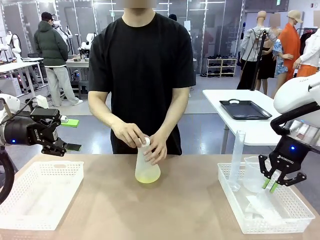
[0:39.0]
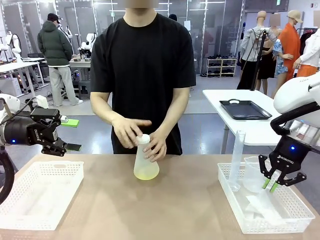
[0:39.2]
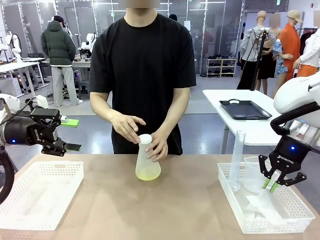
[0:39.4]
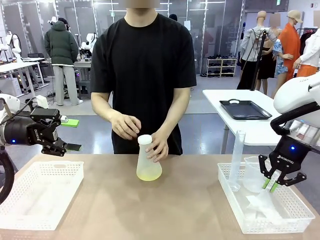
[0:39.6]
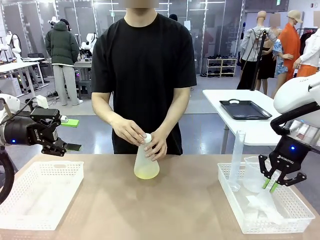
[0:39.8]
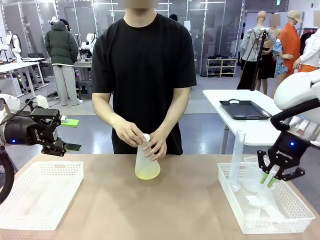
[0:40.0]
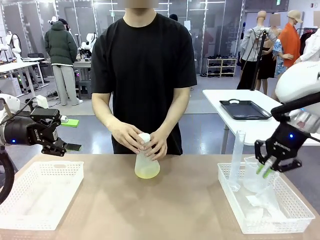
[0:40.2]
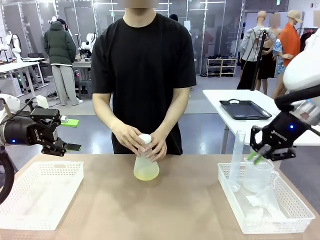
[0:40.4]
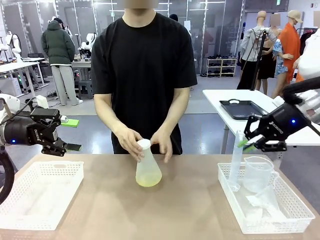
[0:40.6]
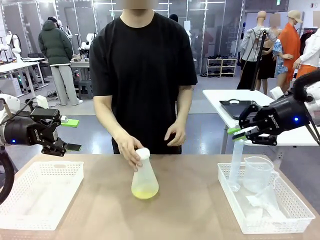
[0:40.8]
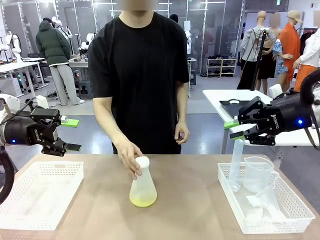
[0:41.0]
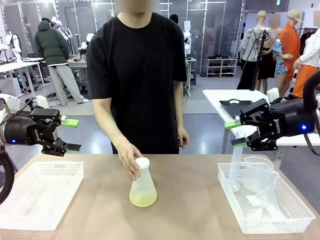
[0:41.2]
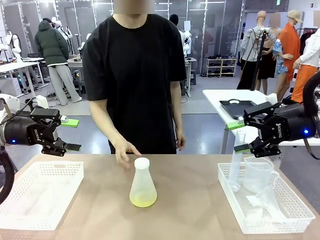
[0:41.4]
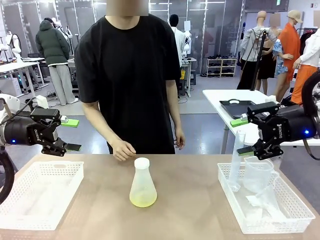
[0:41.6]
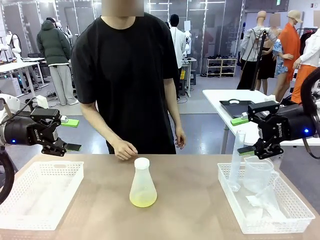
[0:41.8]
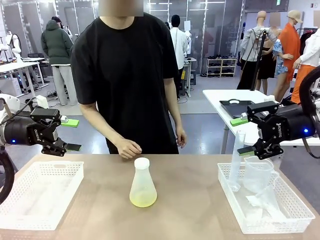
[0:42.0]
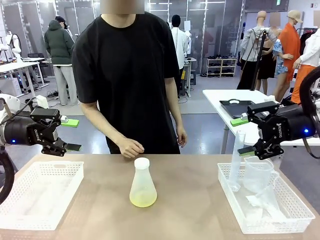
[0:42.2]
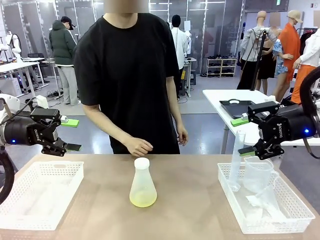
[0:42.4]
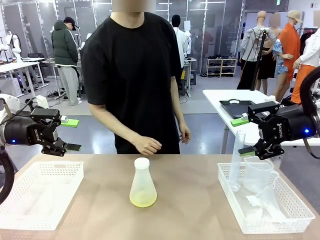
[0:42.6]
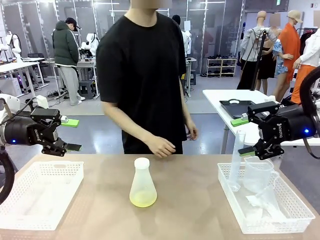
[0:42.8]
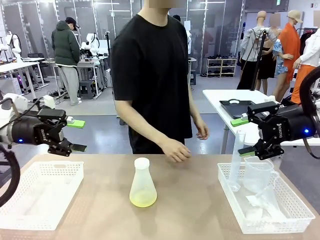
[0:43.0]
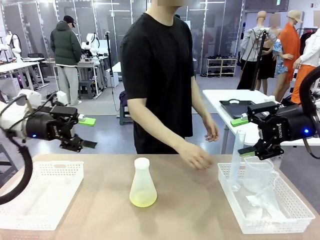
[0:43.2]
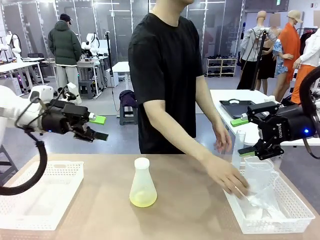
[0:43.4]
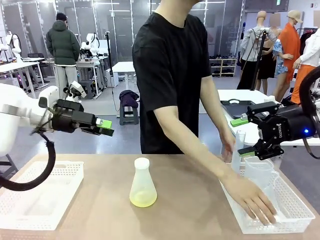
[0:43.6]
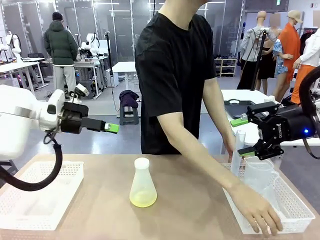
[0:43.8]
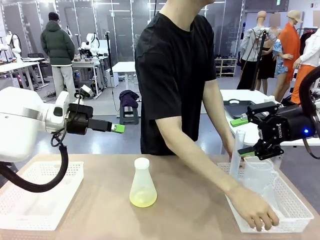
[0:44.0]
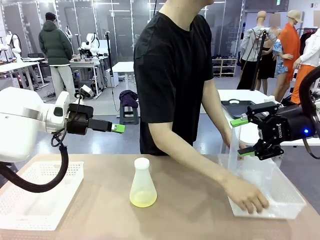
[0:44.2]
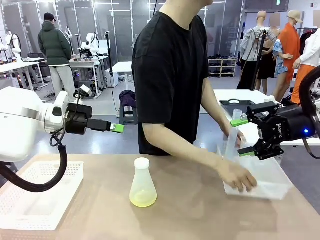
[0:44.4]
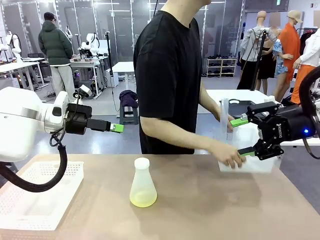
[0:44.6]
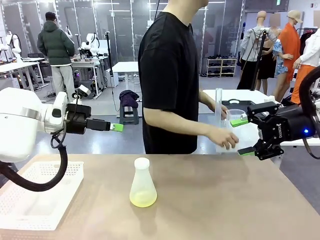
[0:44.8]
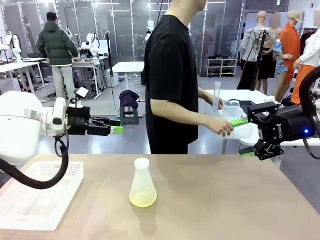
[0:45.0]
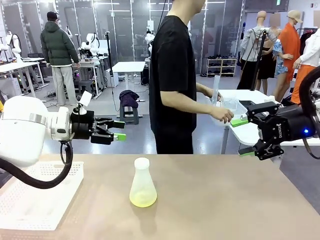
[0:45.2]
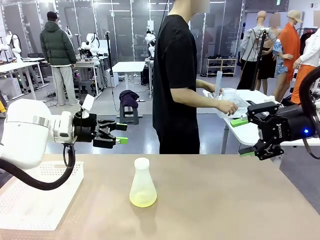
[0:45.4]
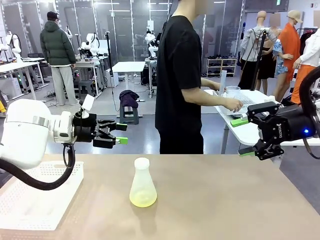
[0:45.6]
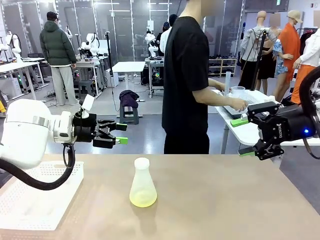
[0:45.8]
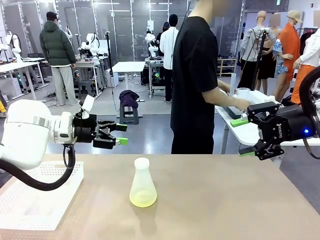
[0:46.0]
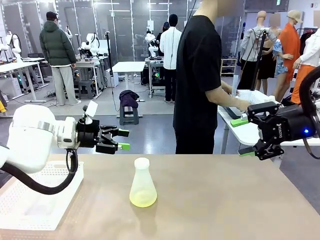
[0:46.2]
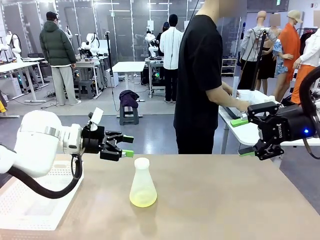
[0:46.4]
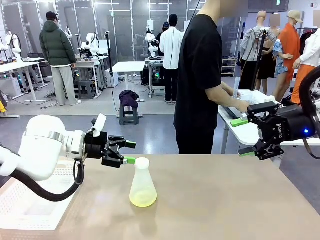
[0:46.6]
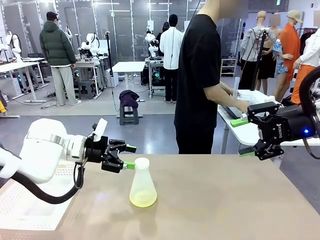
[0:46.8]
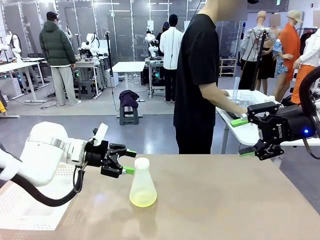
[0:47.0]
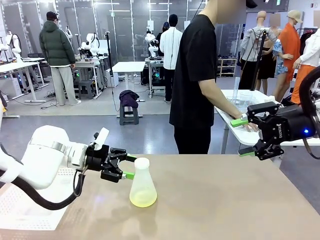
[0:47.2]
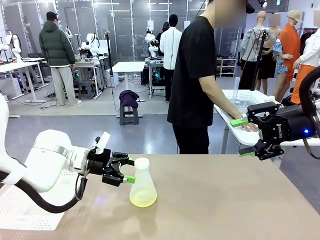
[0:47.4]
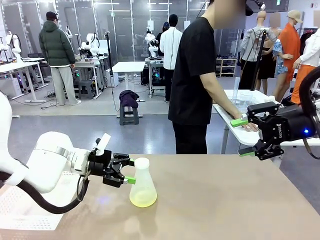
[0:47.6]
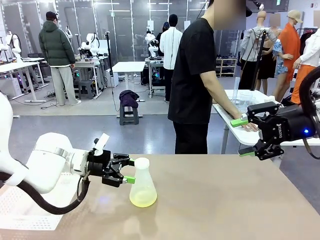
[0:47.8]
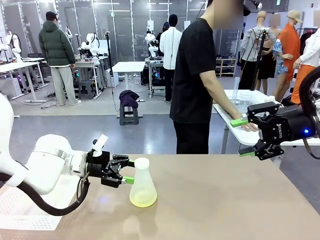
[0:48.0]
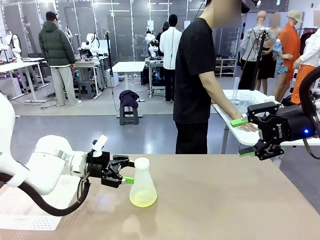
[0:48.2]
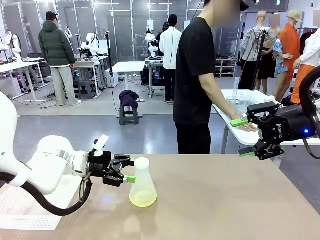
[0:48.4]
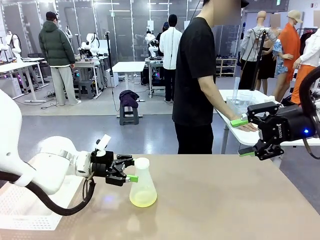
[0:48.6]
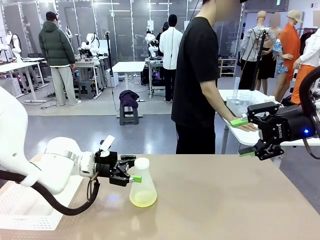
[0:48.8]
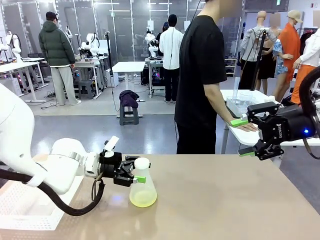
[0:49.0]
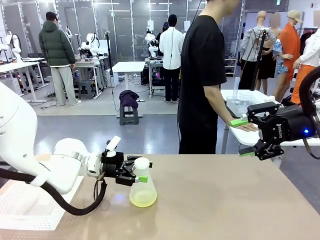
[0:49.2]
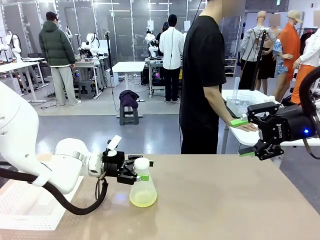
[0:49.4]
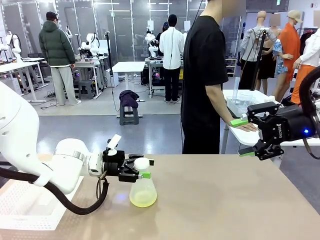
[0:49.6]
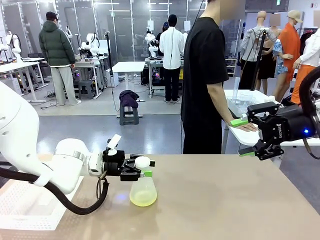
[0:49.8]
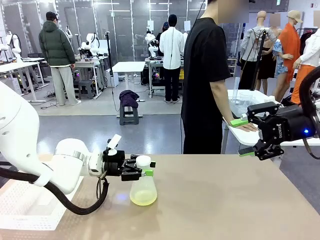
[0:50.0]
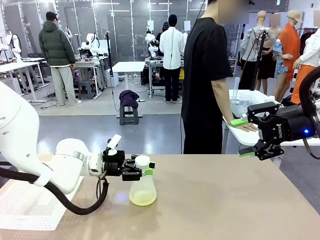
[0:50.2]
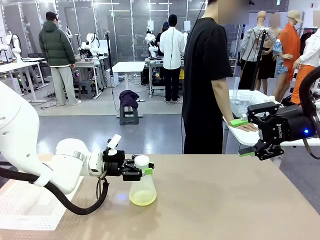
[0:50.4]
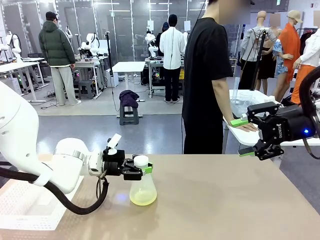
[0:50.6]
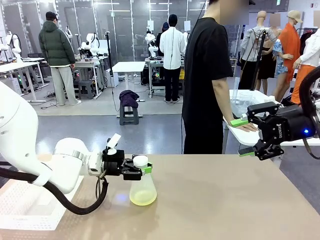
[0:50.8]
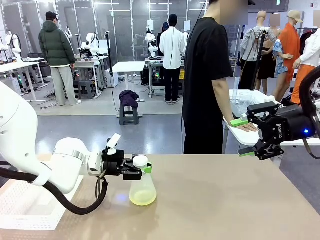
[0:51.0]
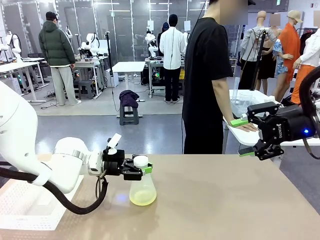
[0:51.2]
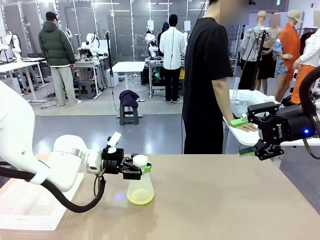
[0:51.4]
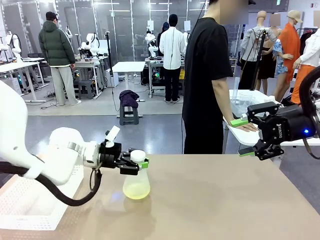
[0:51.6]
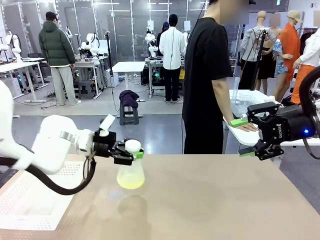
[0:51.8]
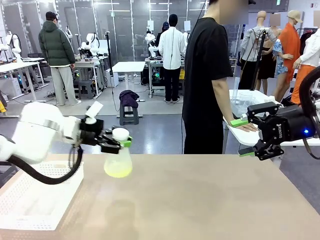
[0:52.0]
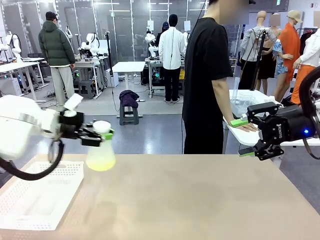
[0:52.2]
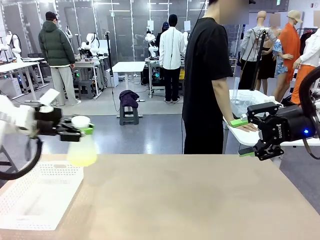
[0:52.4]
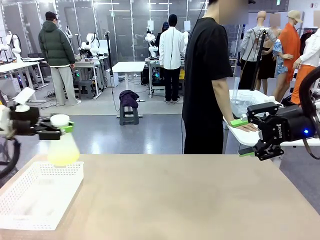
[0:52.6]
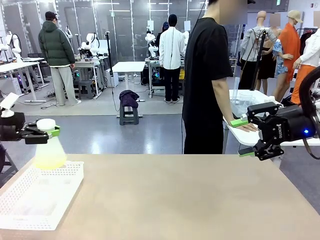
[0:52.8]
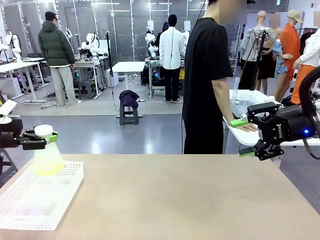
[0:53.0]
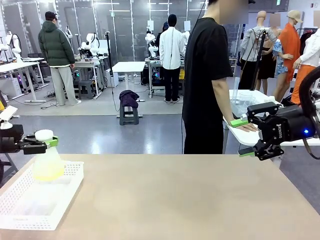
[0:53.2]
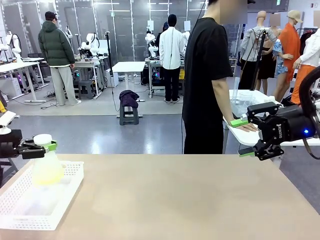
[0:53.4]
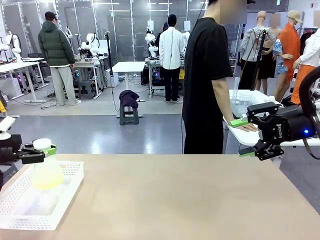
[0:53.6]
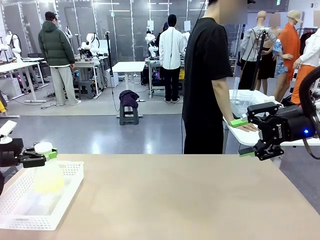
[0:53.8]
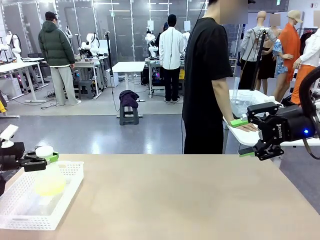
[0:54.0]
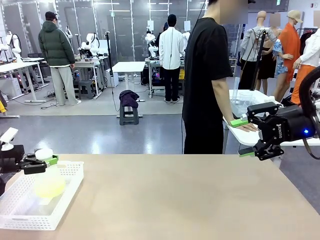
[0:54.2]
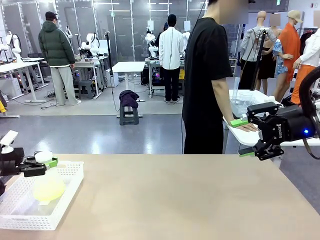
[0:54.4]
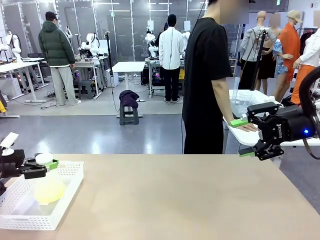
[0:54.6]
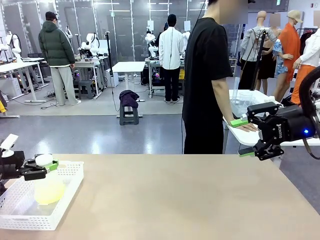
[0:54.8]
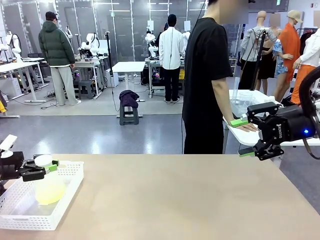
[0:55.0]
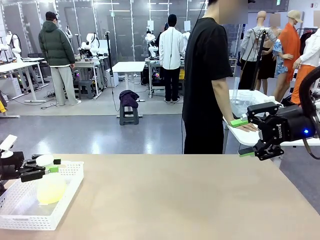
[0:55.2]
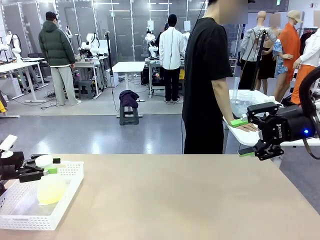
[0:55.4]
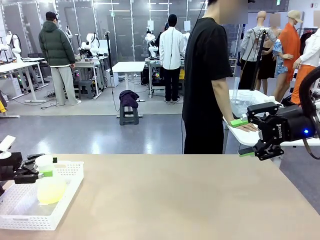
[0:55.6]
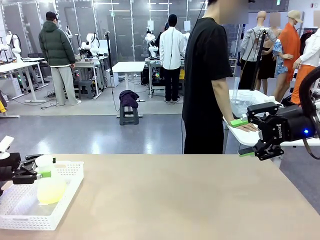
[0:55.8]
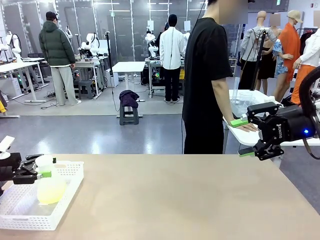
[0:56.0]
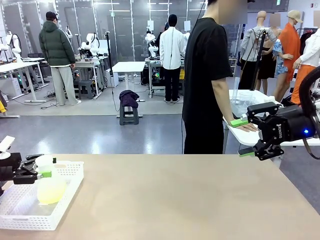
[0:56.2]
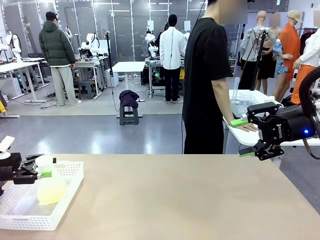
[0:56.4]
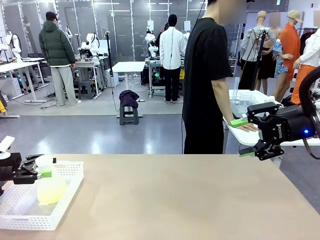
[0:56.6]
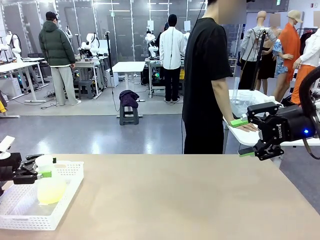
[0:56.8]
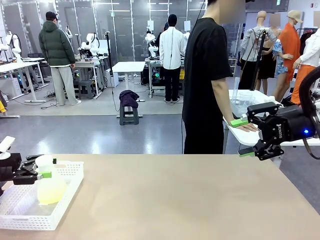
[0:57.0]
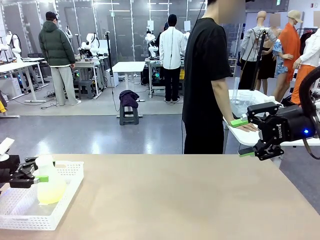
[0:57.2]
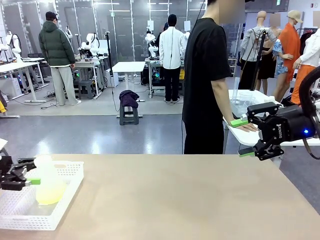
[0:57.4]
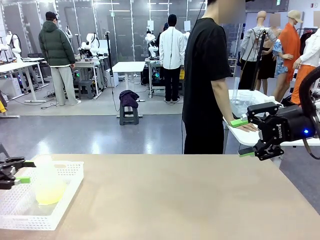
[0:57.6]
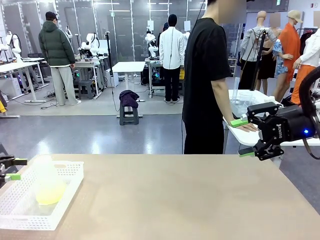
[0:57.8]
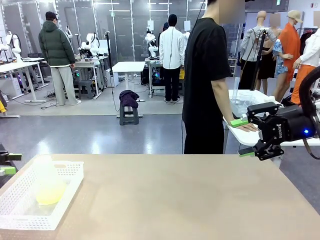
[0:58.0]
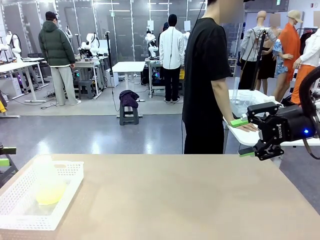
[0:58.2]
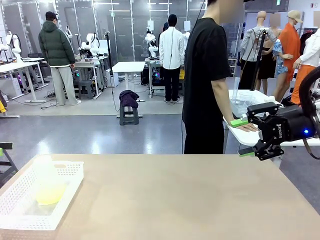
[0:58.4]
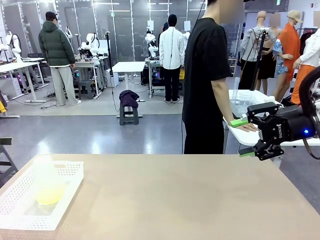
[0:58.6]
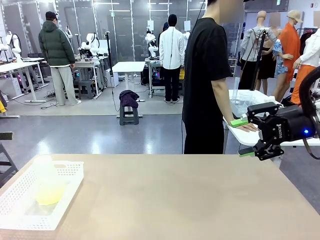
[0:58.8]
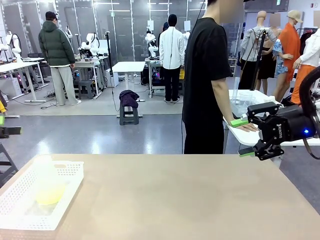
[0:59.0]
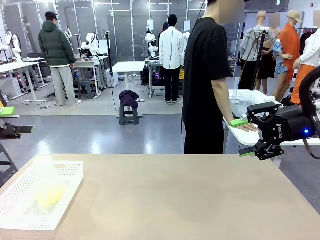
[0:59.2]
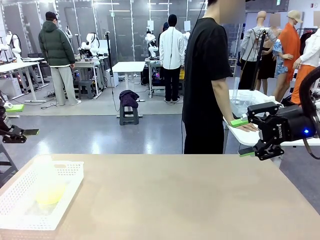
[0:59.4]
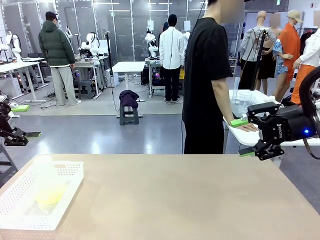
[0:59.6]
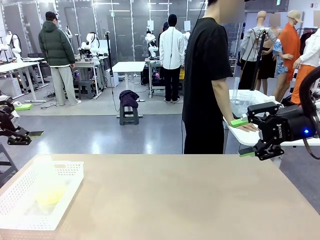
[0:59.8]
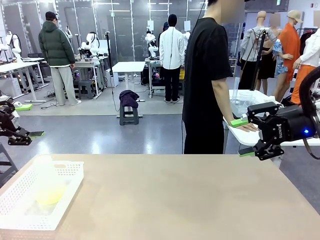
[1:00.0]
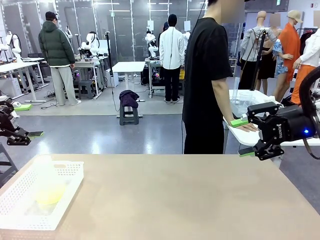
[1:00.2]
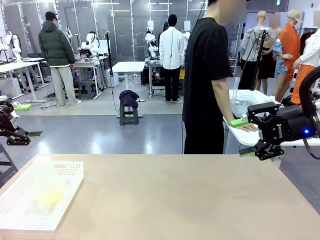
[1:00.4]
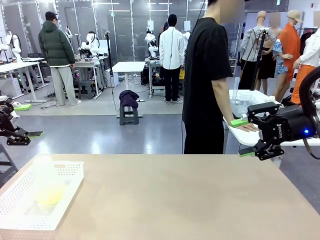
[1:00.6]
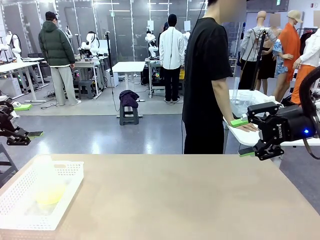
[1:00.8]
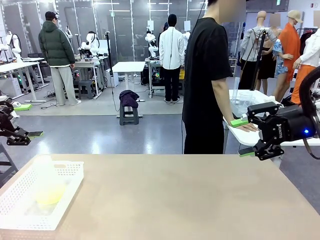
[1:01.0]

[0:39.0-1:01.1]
Task: Prepare the solutions needed for the experiment.
Robot: When the human places the Big flask in the center of the table, pick up the Big flask and place it in the left Organizing basket.
Person: Pick up the organizing basket on the left side of the robot table and place it on the left side of the human table.
